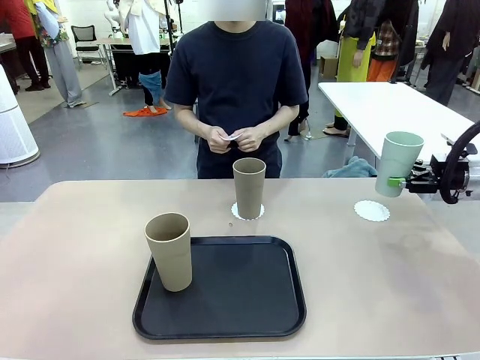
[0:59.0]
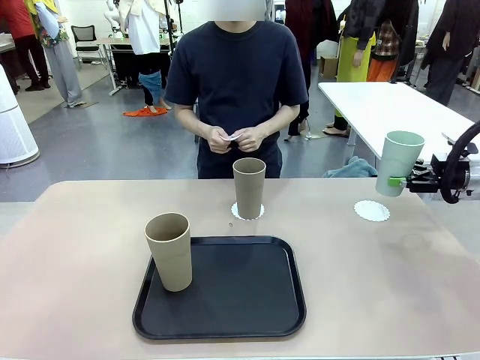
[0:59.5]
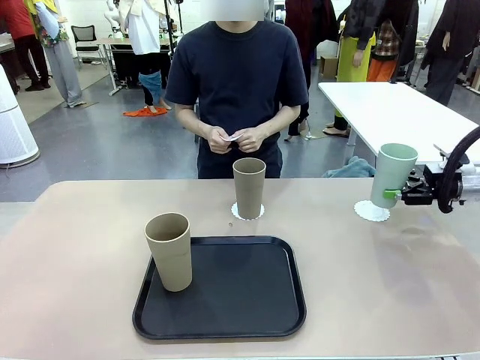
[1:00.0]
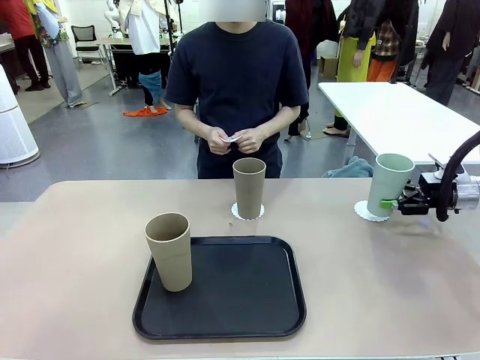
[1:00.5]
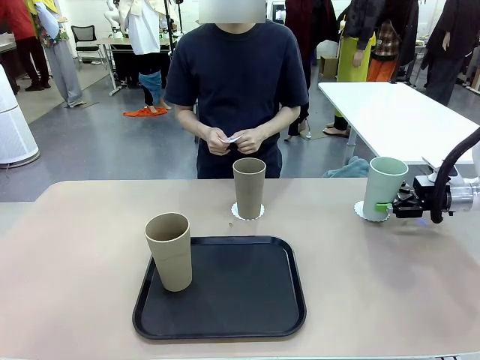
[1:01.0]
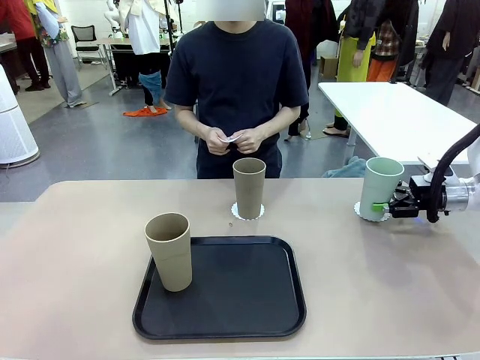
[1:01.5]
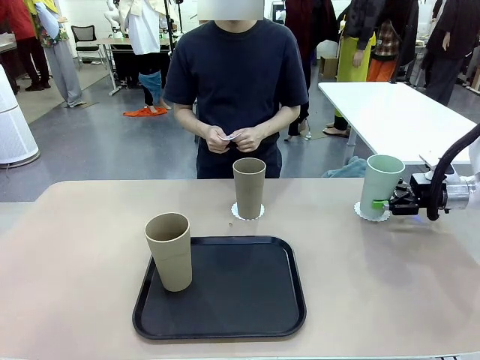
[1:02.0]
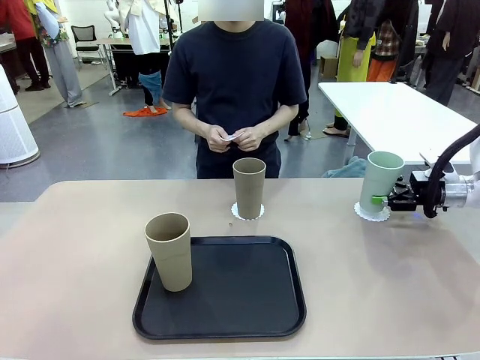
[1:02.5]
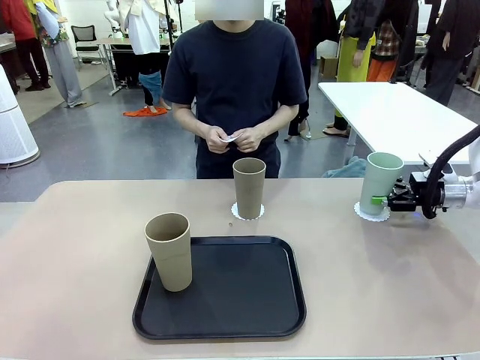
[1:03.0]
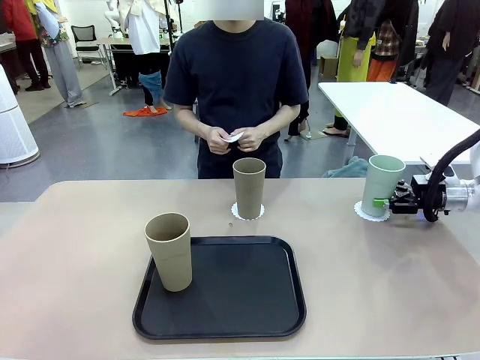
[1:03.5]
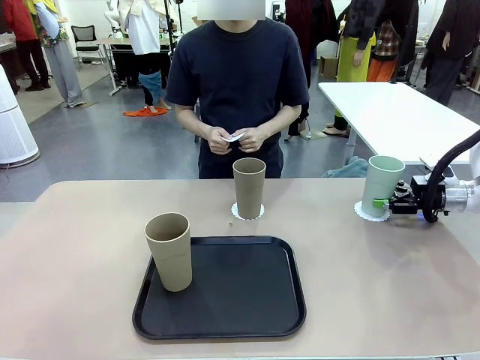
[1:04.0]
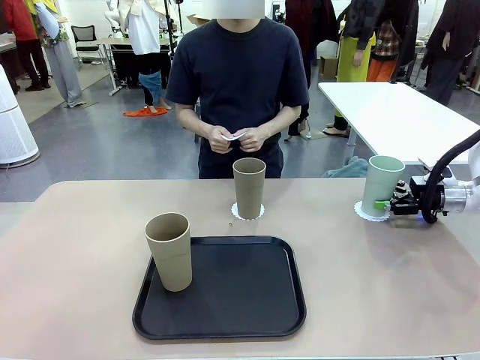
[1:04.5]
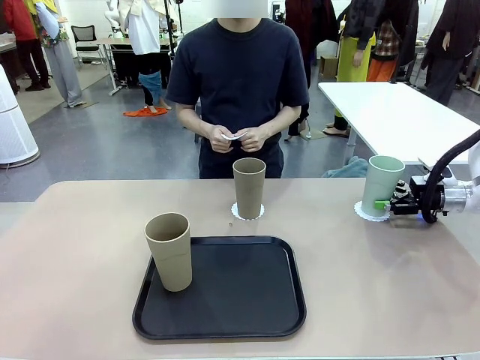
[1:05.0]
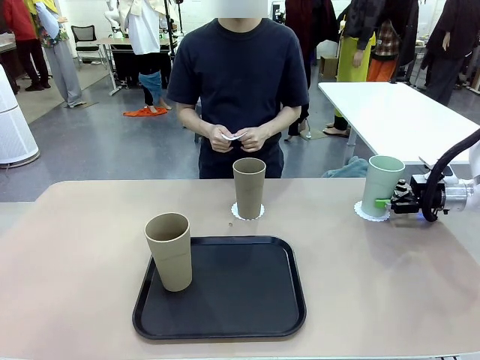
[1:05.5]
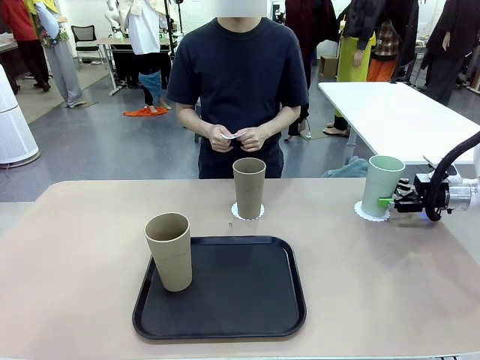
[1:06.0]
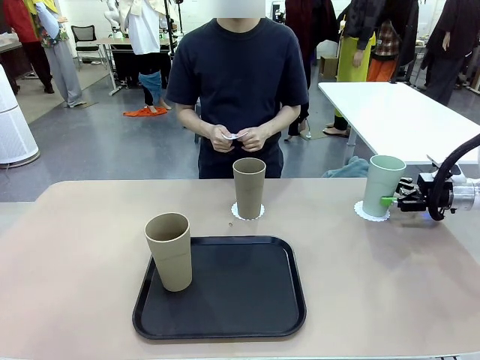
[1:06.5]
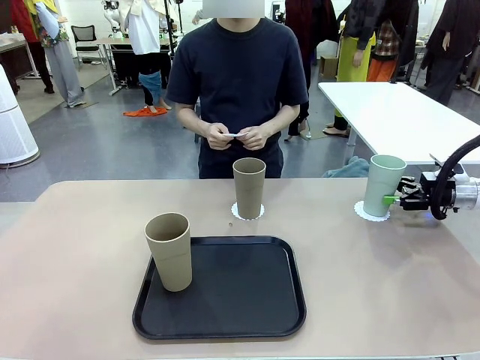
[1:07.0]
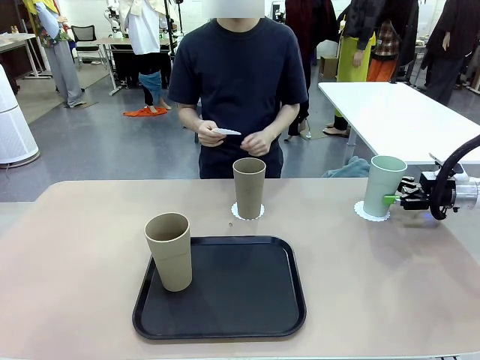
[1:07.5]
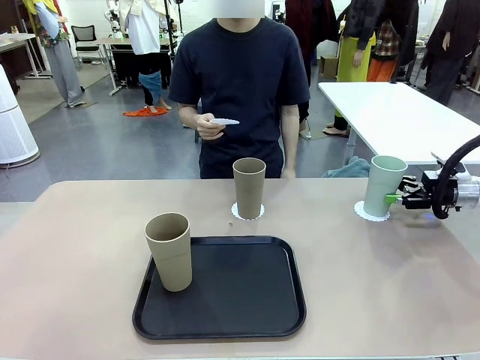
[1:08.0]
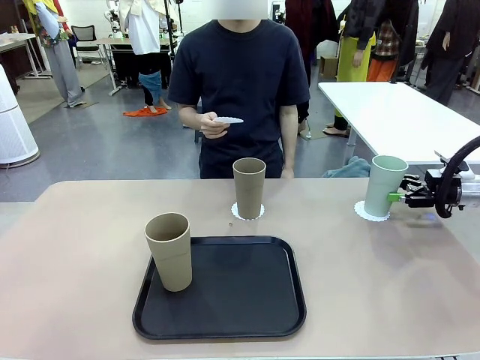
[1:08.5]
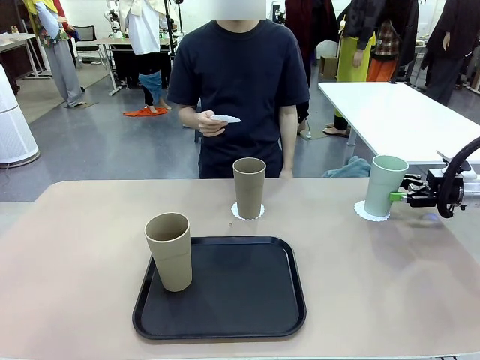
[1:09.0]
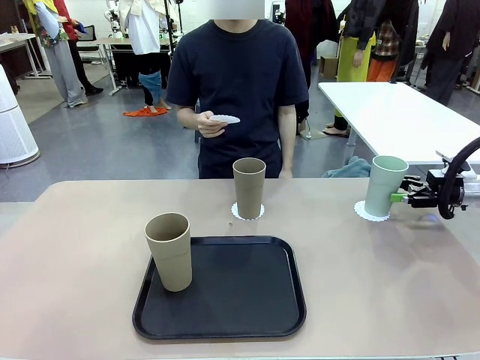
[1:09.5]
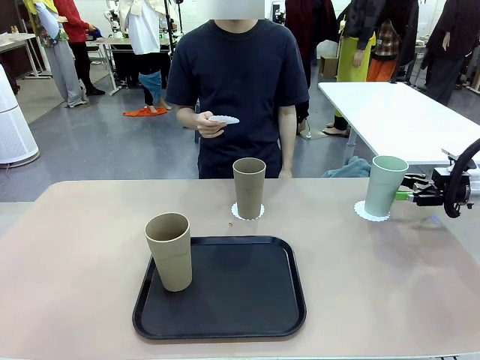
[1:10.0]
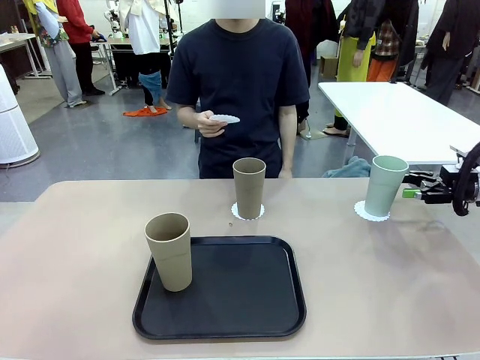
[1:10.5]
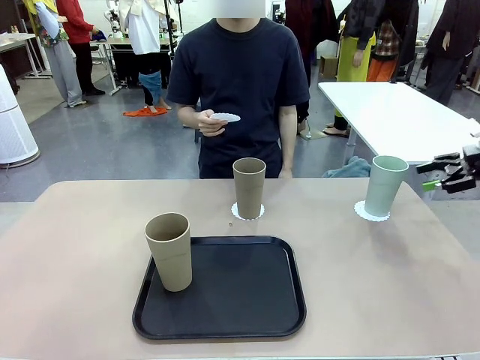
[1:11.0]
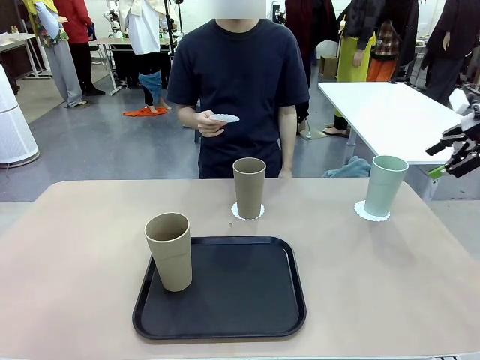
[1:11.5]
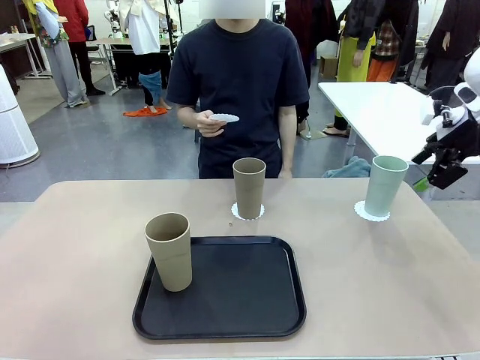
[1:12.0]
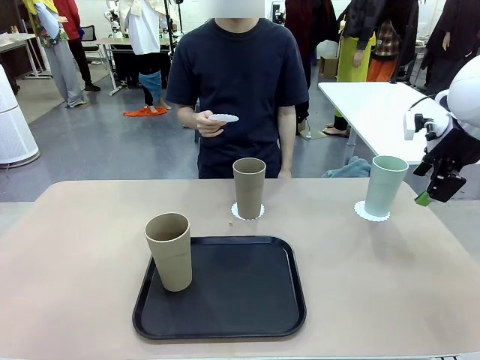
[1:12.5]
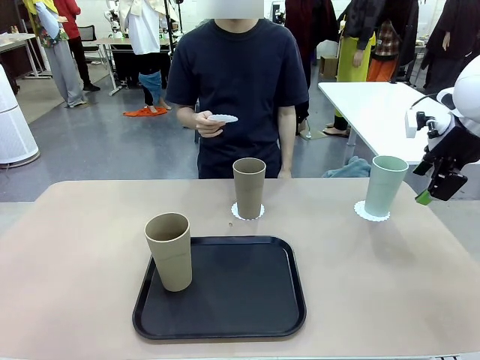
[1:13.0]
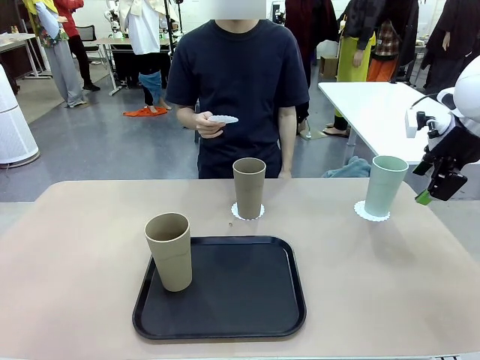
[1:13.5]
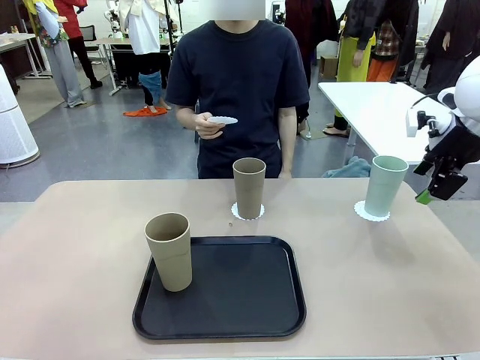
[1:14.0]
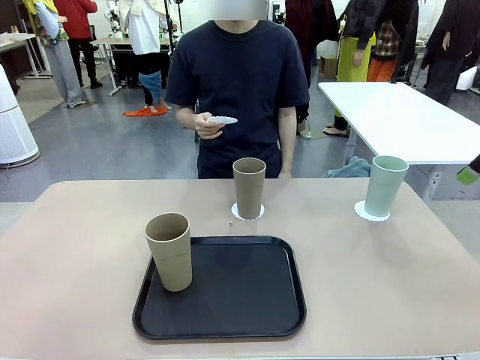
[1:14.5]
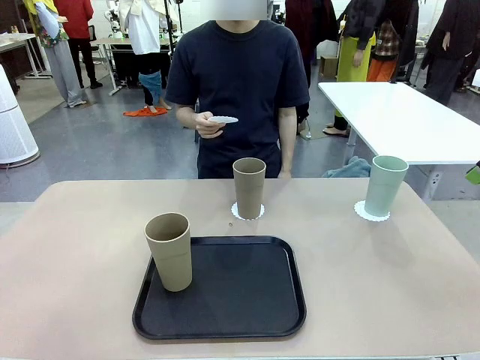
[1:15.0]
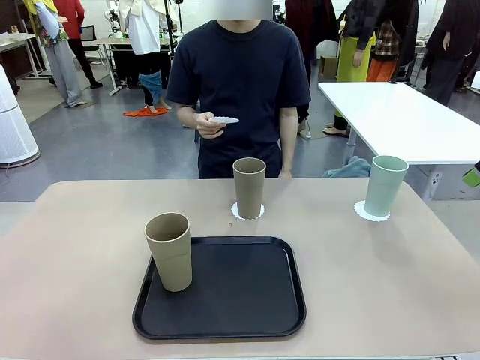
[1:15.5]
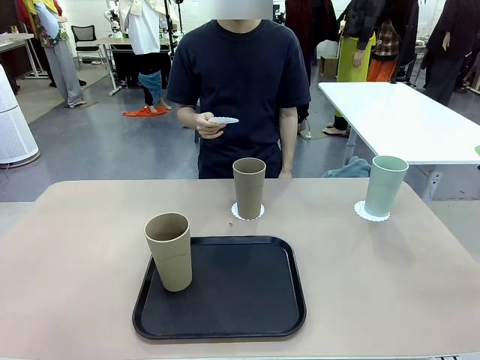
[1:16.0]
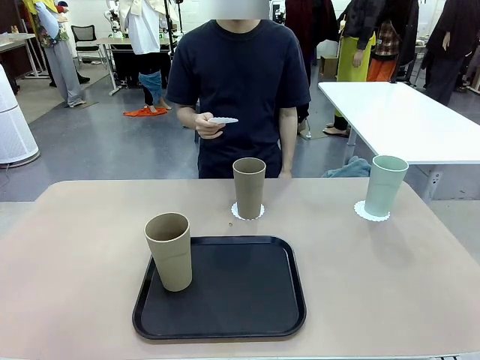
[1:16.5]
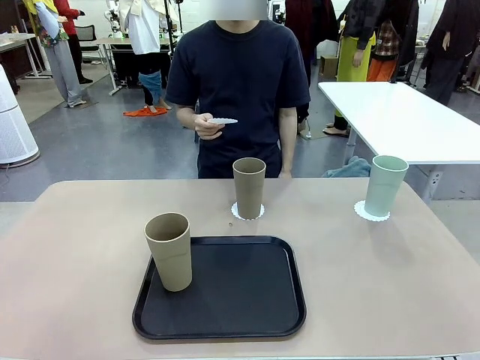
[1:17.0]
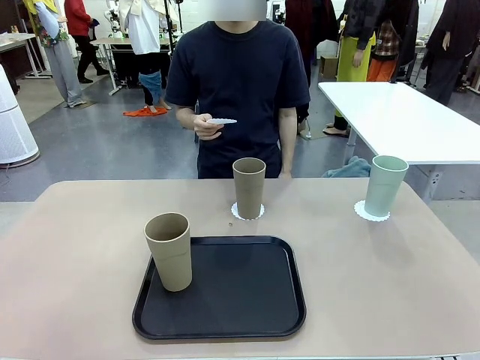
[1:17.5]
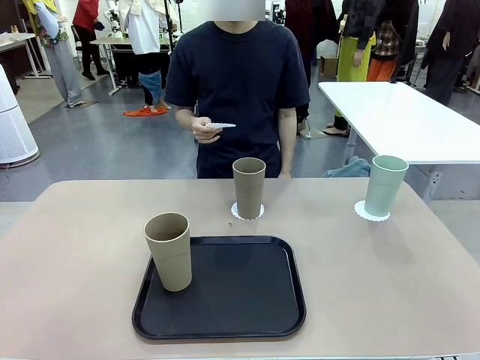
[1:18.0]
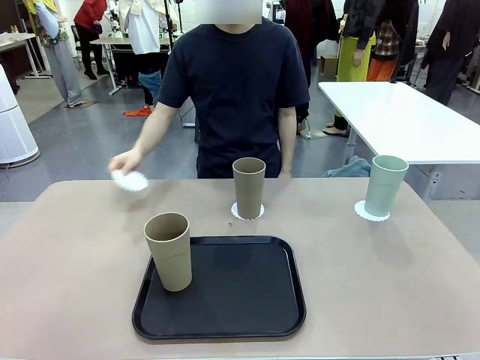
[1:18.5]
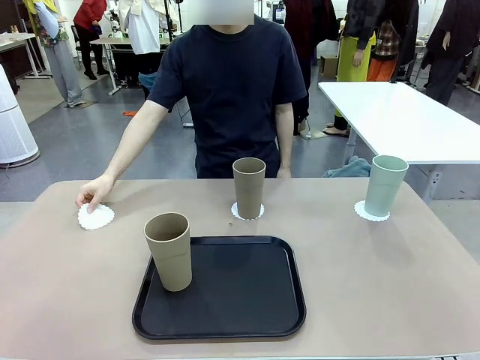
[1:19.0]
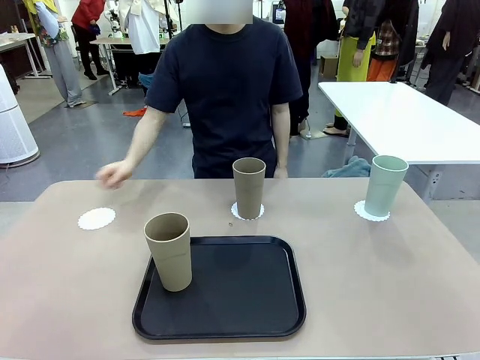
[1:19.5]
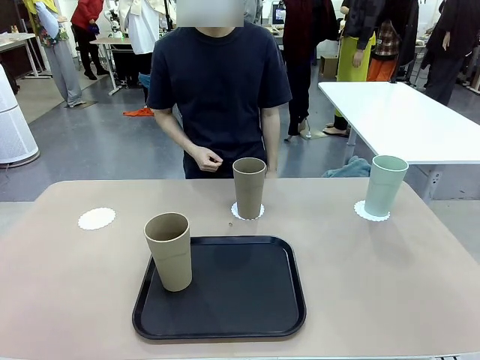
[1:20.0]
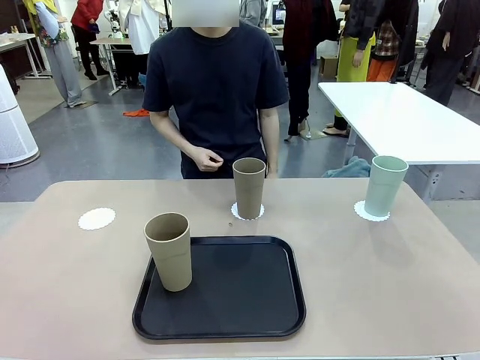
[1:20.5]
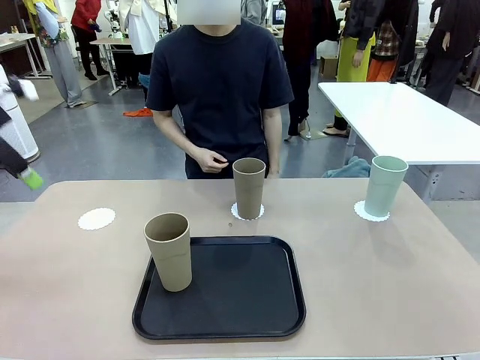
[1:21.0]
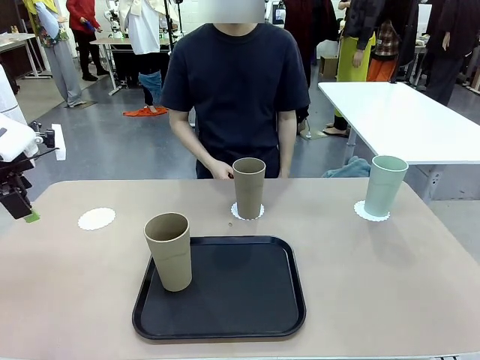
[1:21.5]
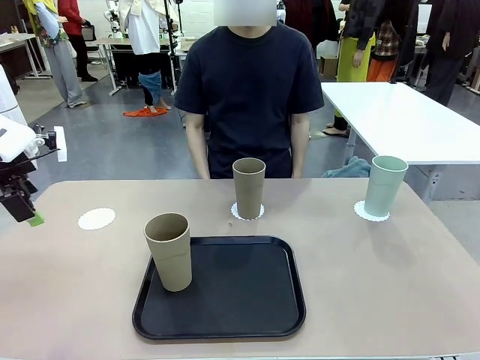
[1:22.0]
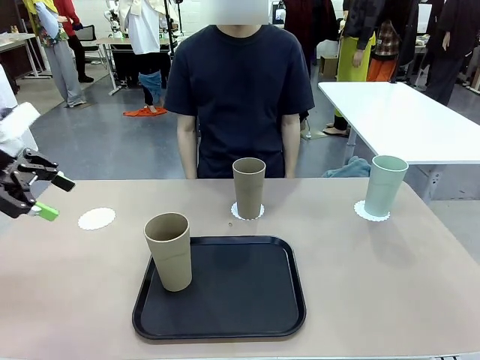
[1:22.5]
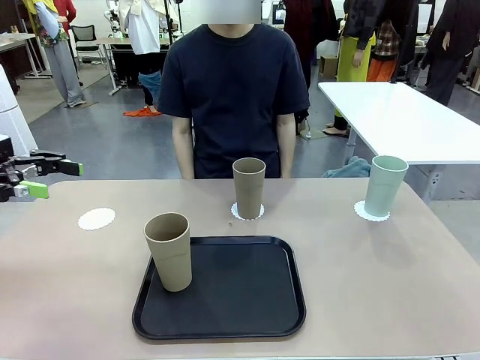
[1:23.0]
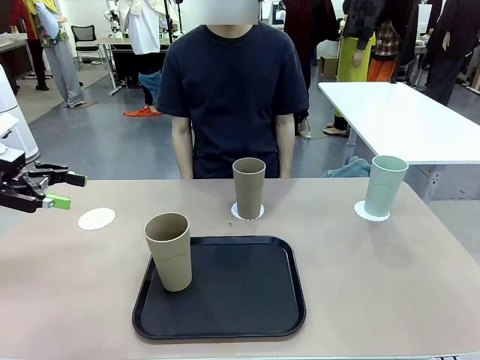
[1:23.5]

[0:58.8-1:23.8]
Task: Place coasters on the table and set cups on them.
Robot: Take one Reusable plastic cup from the Flat Tray and place it on a coaster set by the human.
